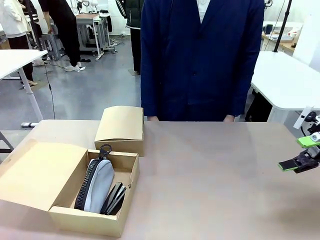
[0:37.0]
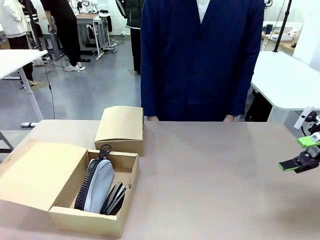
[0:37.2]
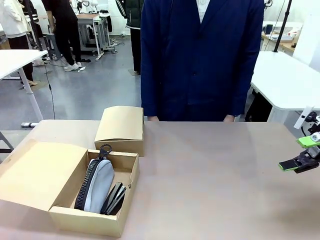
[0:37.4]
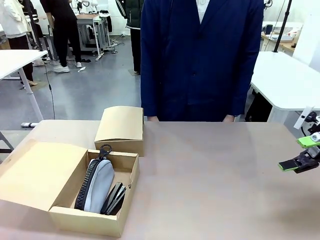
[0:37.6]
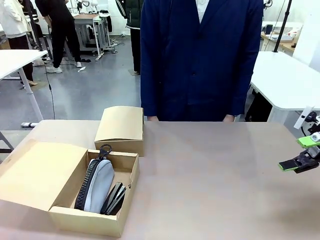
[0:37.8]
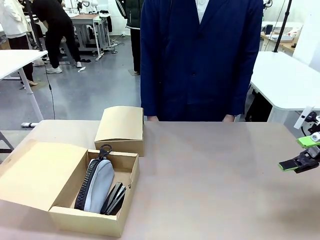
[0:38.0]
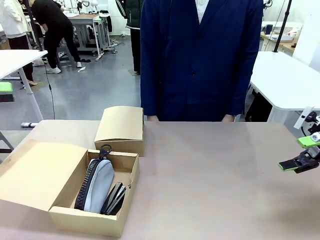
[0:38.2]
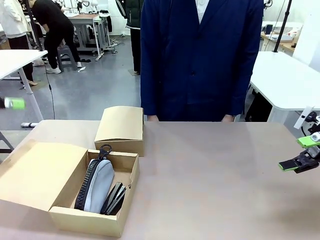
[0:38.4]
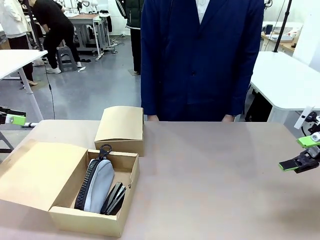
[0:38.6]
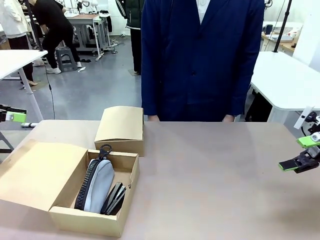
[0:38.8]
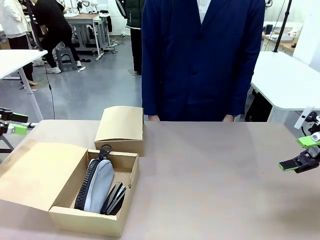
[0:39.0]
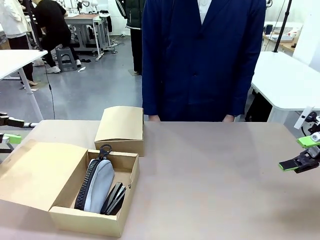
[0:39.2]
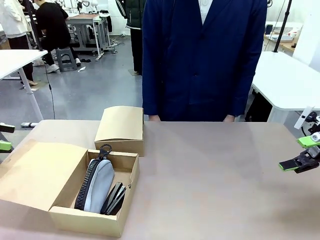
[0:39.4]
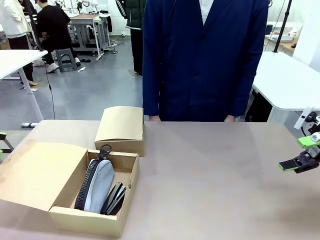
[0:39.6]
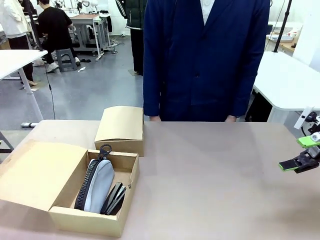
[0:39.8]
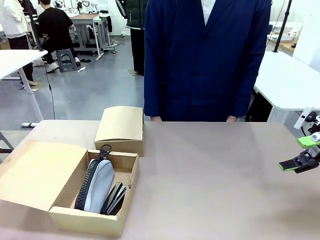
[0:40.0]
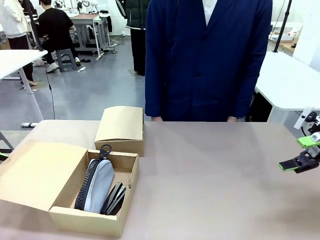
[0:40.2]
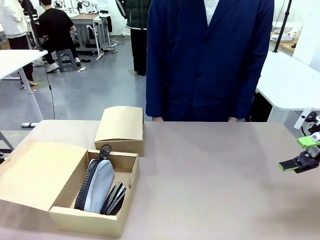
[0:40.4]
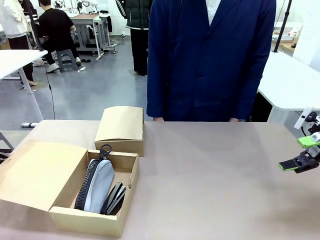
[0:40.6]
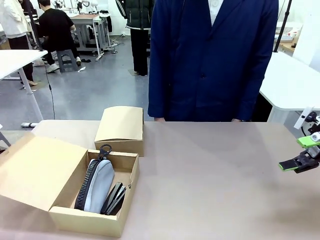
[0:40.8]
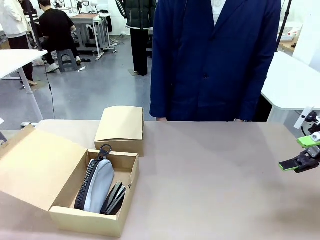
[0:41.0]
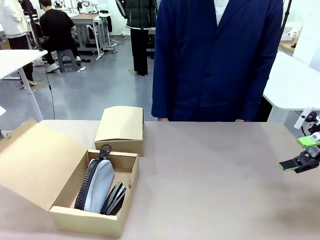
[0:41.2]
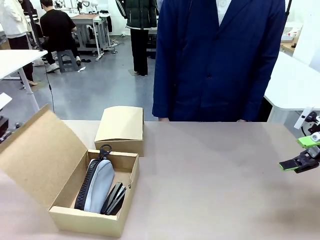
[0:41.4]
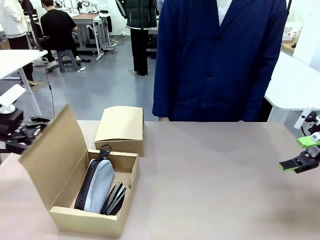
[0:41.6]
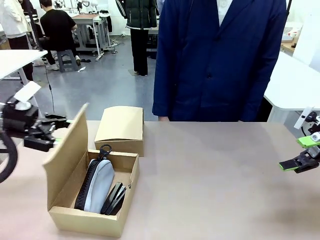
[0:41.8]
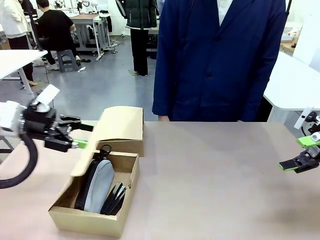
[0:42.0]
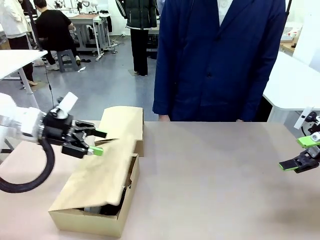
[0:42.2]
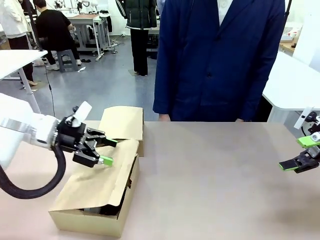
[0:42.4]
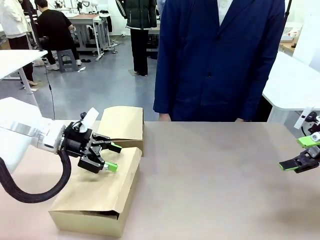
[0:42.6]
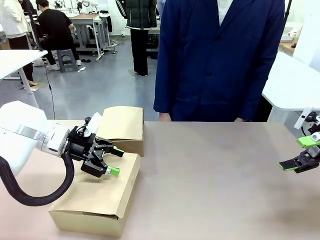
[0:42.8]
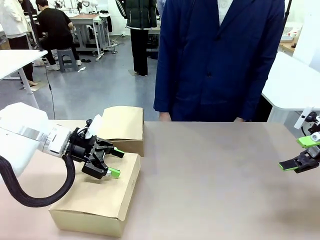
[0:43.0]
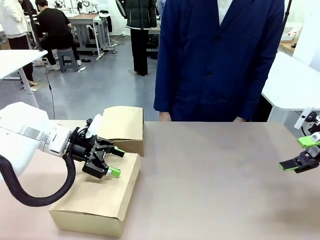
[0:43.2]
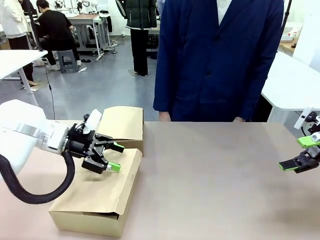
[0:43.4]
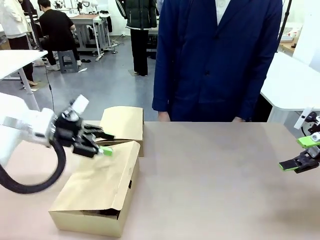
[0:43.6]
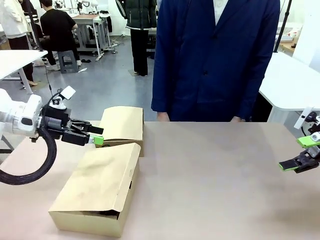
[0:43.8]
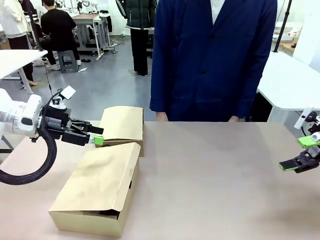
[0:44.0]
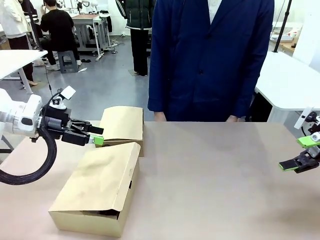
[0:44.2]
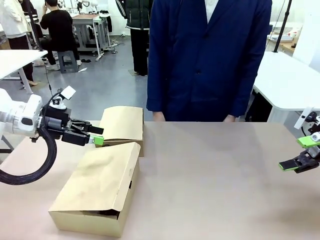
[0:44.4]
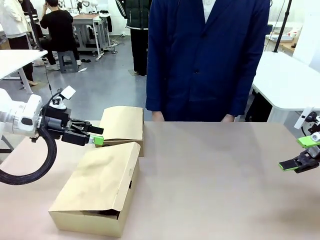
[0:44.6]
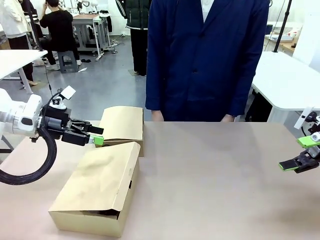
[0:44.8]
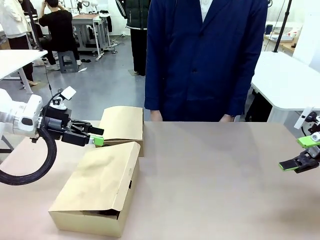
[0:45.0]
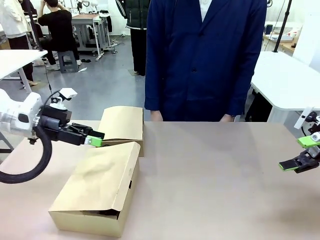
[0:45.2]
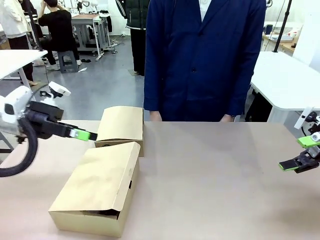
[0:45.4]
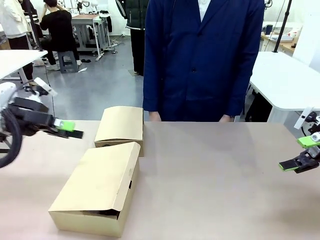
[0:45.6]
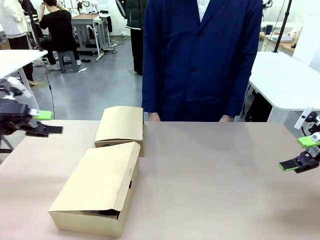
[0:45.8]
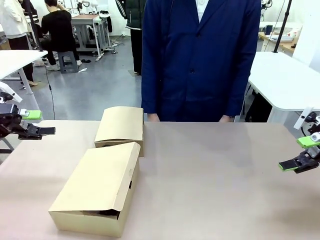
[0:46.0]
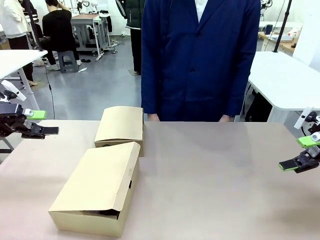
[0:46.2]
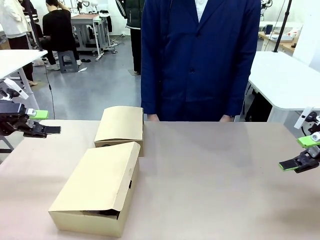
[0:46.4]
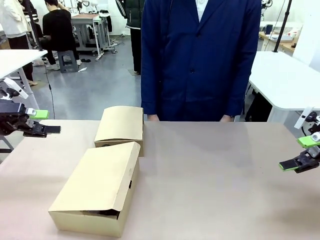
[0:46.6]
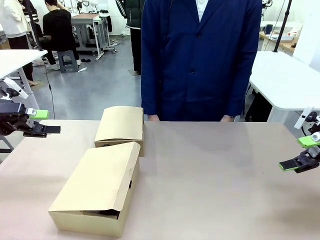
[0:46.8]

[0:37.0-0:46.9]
Task: Place items inside the box.
Robot: Close the lid of the Mailer Box closest to the robot.
Person: Close the lid of the box facing the person.

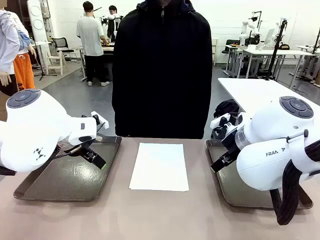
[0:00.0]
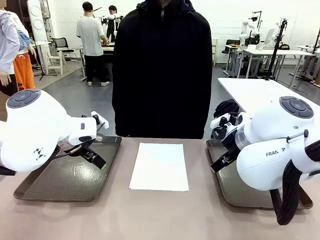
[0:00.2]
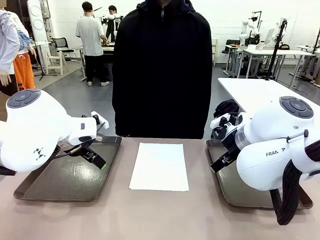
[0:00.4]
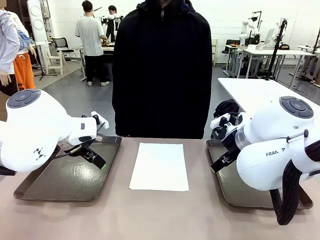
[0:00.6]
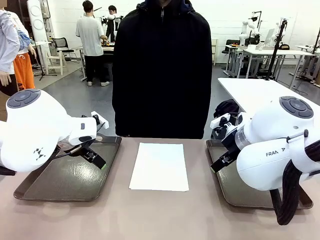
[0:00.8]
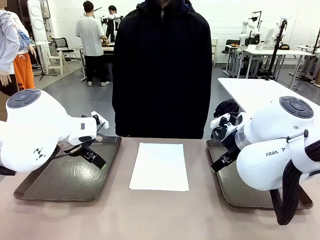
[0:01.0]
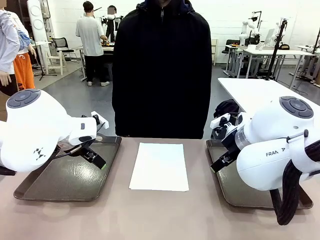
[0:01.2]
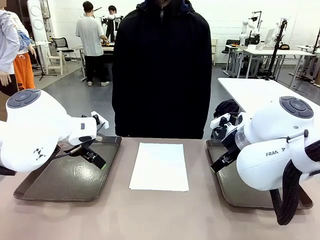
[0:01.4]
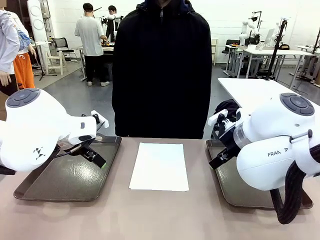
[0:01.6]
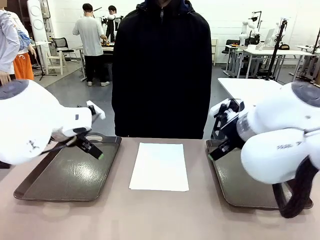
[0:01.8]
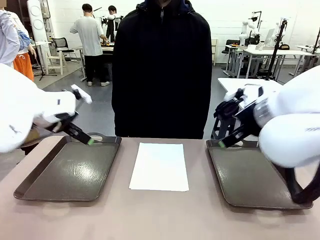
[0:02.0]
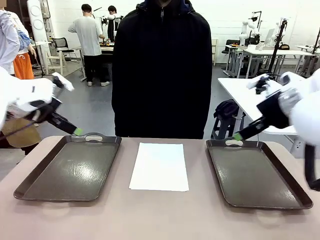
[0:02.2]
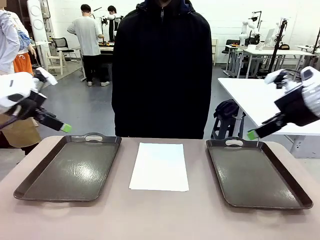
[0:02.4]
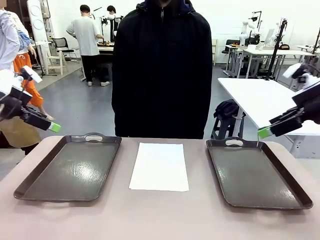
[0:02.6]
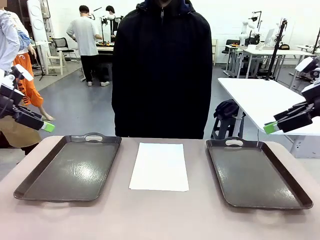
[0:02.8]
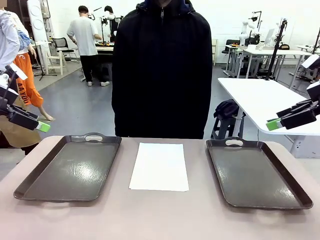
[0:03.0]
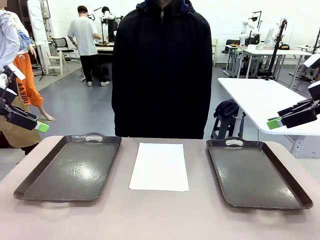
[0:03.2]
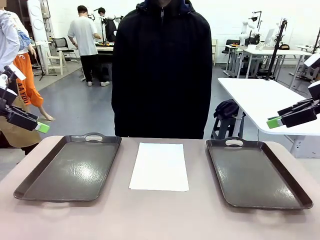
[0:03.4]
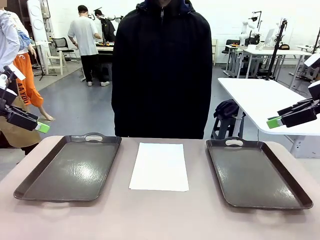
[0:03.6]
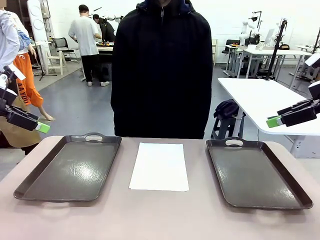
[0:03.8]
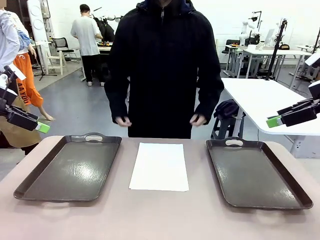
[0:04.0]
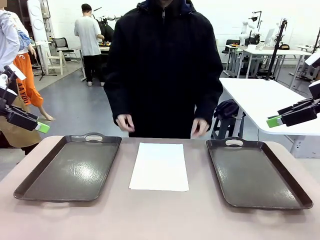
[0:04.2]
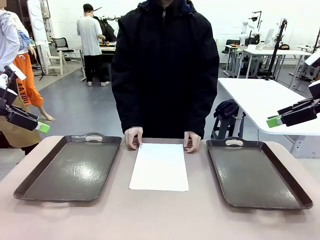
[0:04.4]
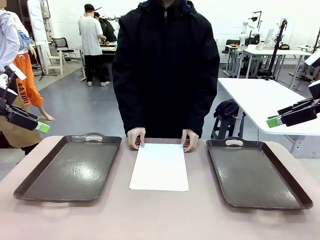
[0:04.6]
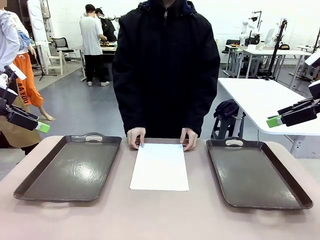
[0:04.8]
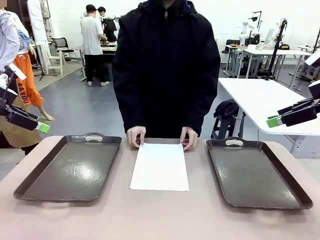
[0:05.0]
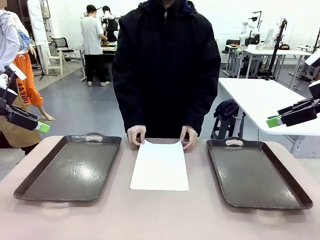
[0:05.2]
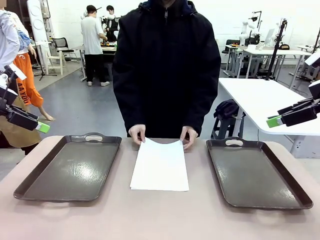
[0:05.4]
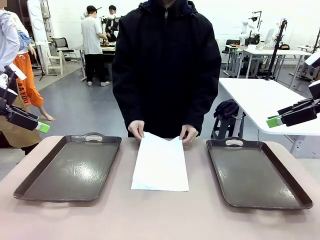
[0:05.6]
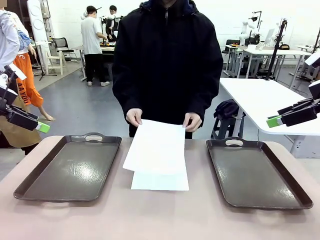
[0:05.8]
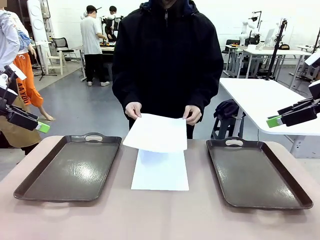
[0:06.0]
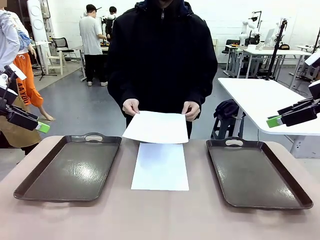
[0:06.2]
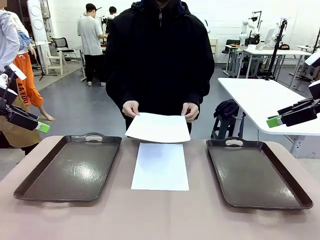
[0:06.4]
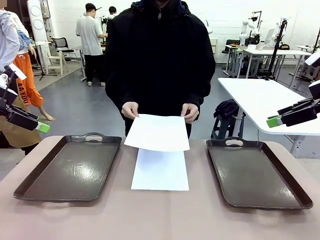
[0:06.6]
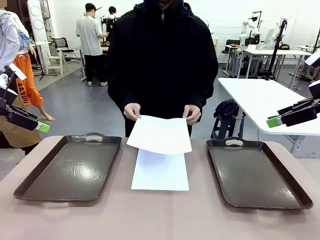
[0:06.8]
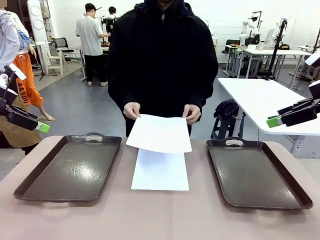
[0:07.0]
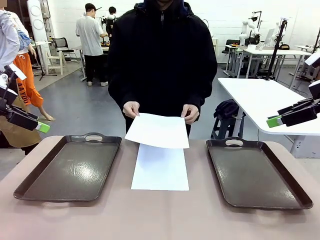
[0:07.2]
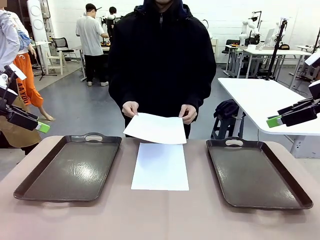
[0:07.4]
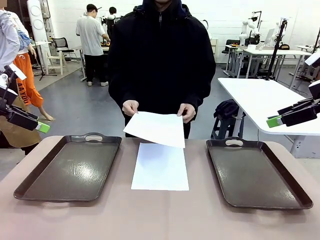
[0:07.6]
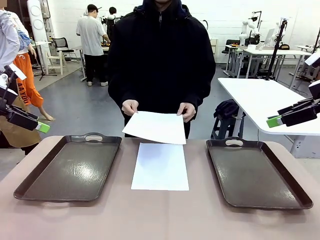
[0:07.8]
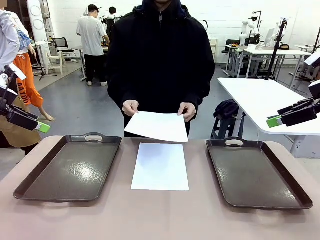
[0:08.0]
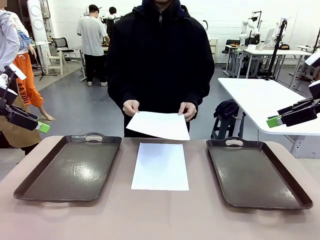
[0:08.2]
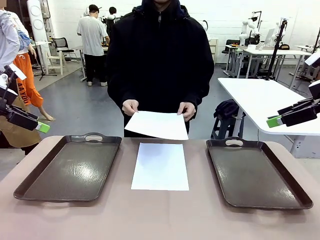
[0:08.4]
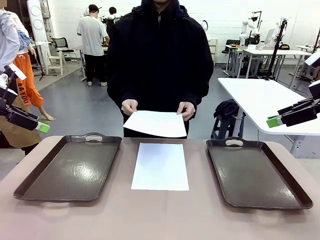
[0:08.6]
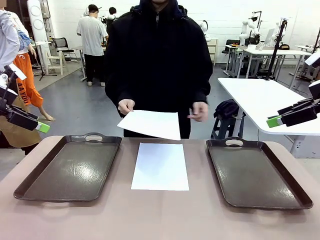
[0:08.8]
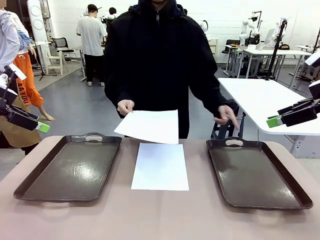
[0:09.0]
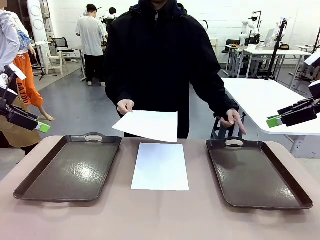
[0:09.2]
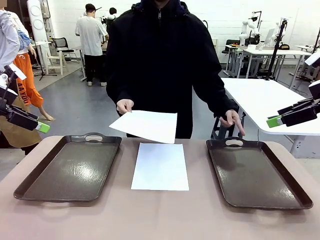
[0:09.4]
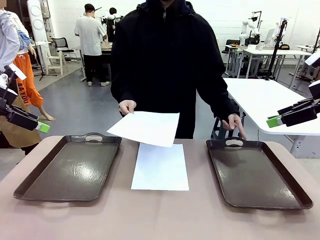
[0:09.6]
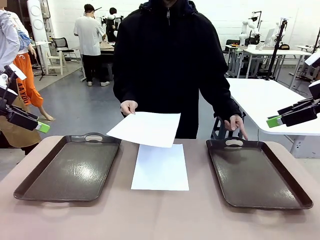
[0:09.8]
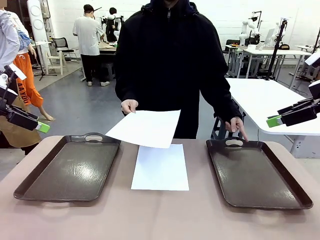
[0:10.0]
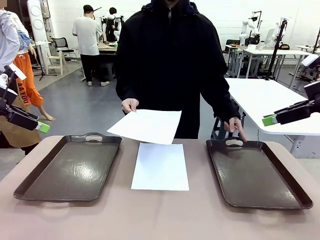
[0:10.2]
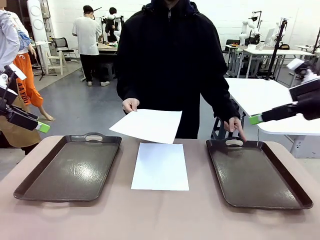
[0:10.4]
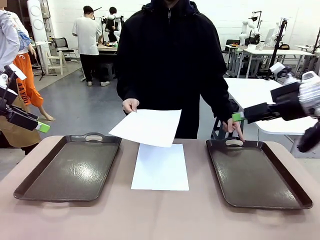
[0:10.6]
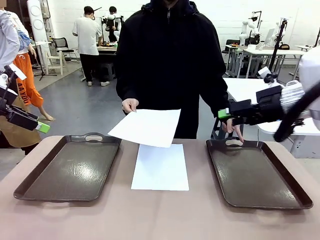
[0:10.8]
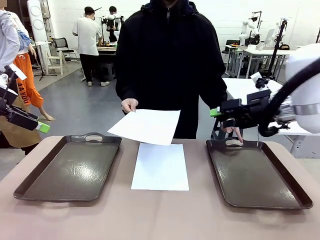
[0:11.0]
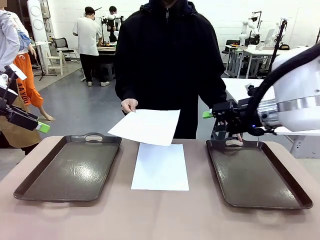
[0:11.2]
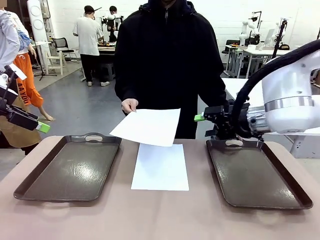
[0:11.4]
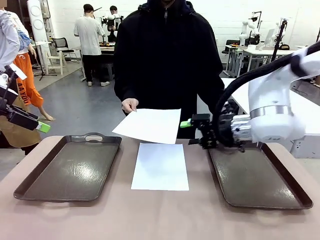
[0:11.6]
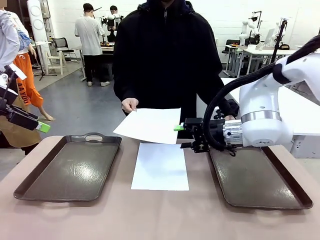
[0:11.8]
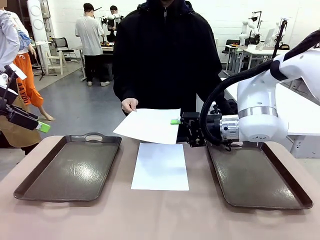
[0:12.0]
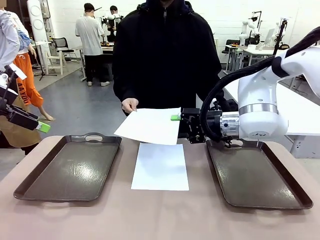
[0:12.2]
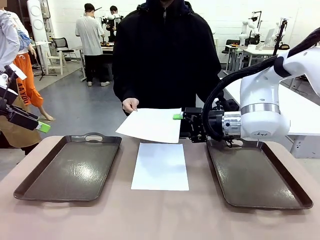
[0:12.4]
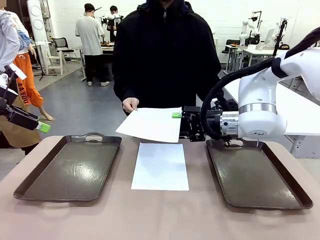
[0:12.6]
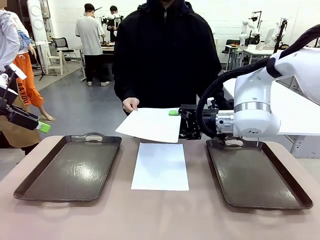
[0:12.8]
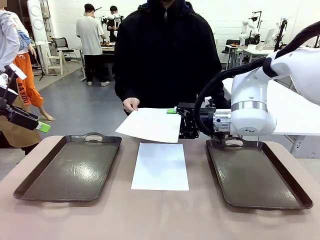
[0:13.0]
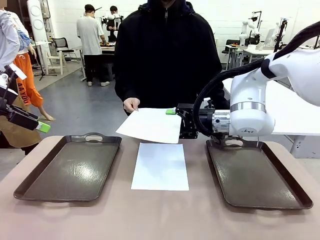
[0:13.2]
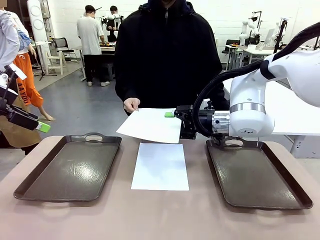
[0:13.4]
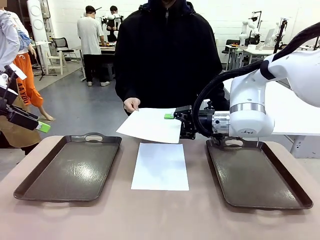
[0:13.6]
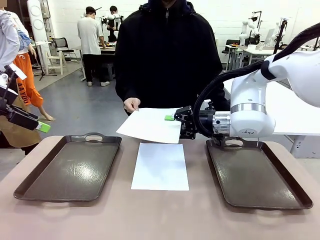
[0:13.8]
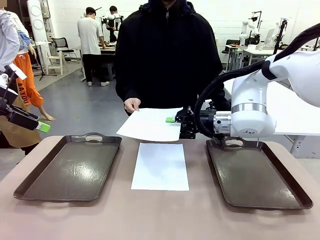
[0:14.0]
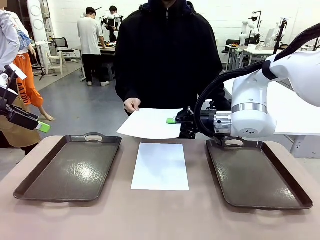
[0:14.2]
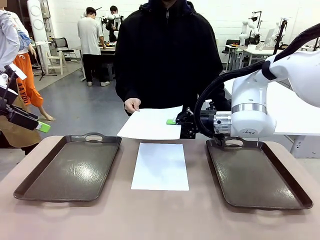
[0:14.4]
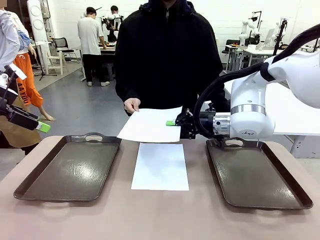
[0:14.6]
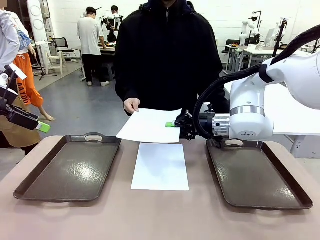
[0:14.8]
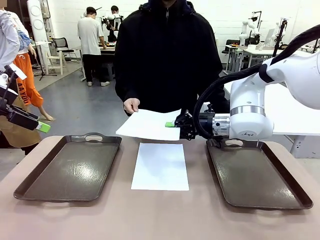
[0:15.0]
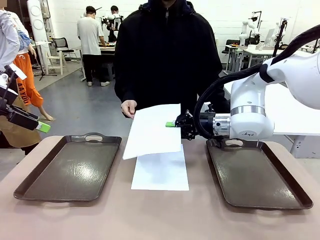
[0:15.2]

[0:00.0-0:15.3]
Task: Sort the A4 documents.
Robot: Receive the A4 Paper.
Person: Pick up a sheet of paper from the center of the table and hand it to the robot. Point the randomly selected tray with the other hand.
